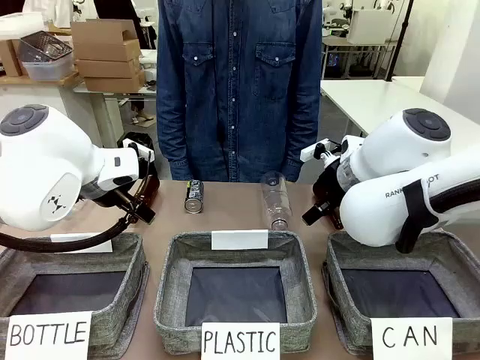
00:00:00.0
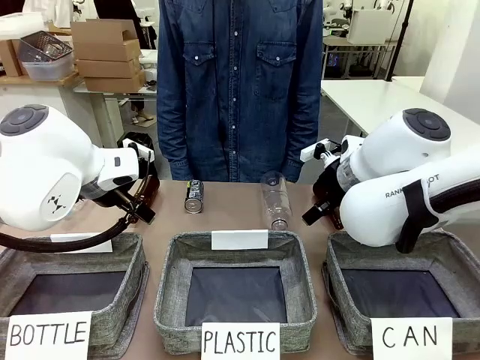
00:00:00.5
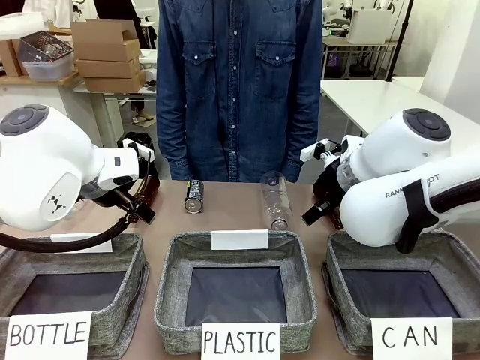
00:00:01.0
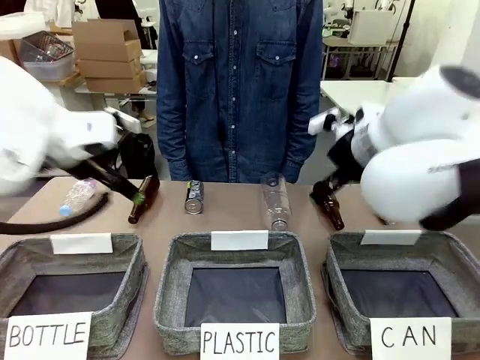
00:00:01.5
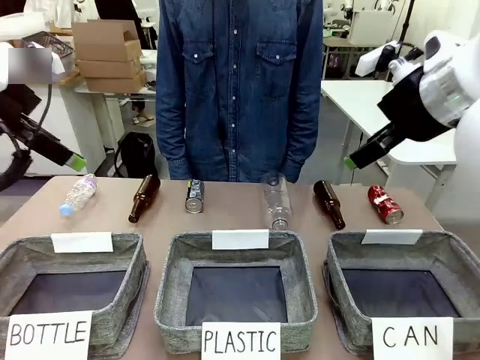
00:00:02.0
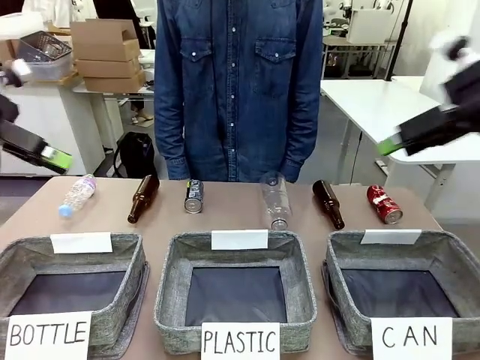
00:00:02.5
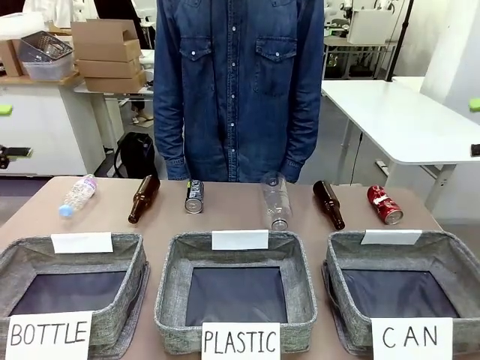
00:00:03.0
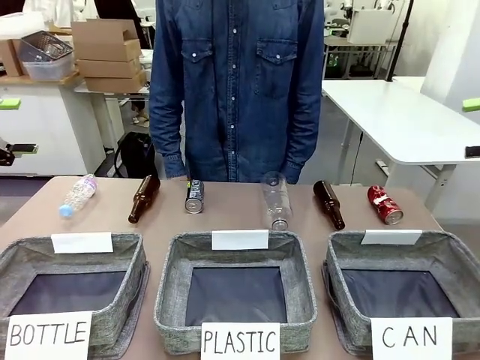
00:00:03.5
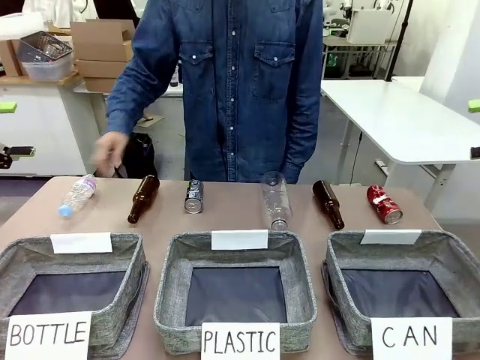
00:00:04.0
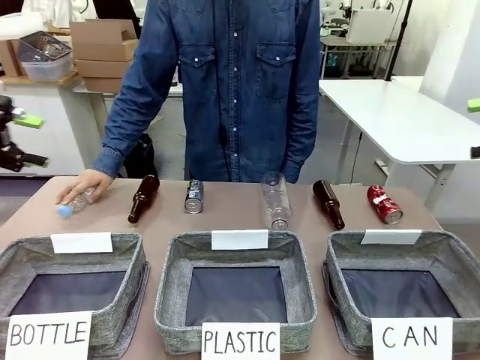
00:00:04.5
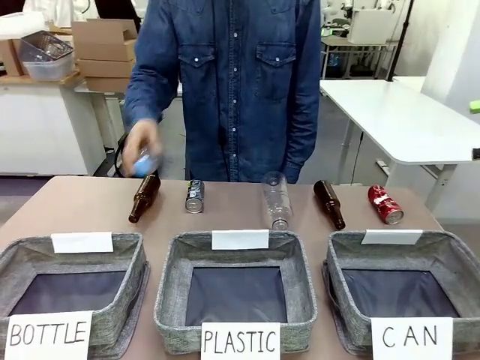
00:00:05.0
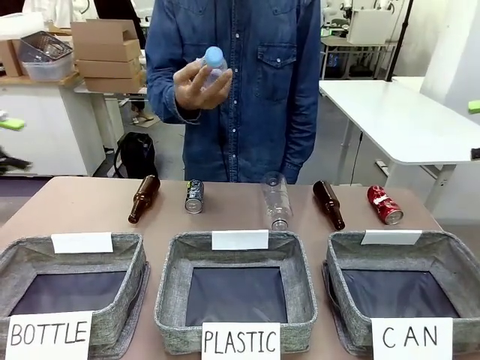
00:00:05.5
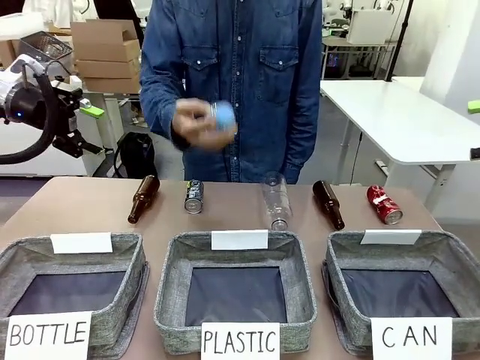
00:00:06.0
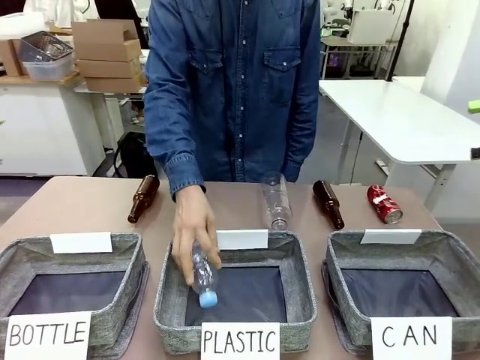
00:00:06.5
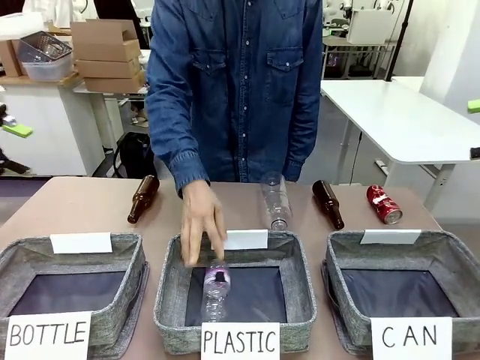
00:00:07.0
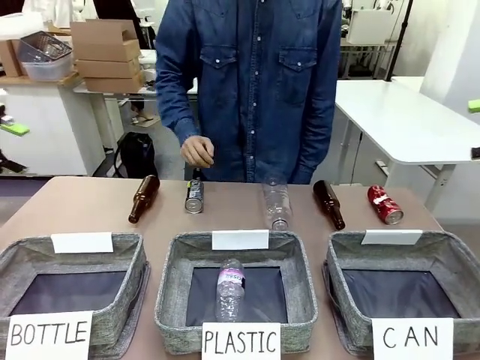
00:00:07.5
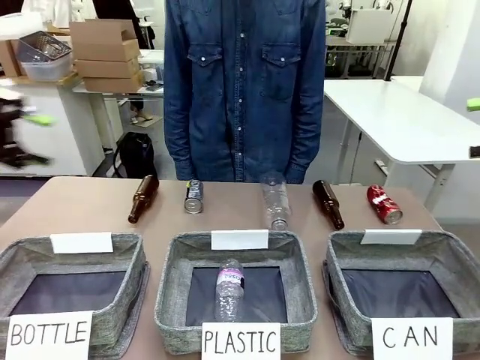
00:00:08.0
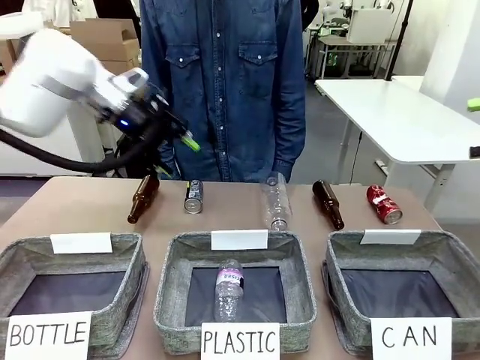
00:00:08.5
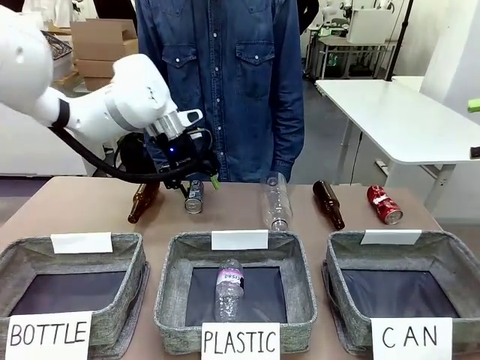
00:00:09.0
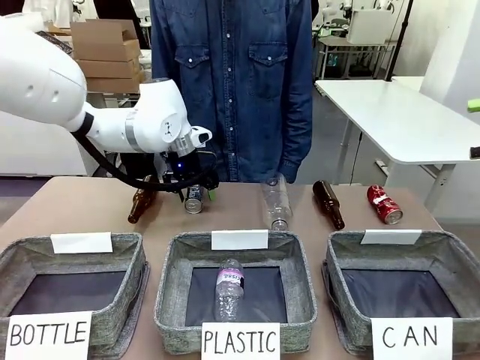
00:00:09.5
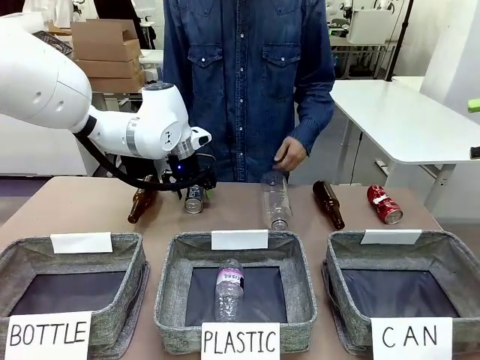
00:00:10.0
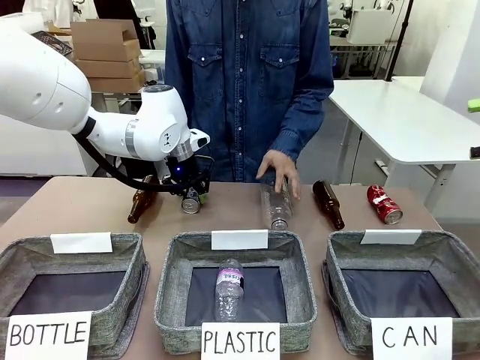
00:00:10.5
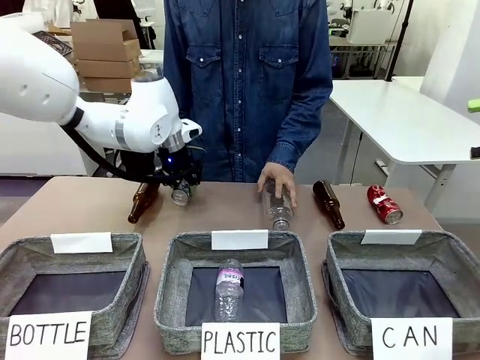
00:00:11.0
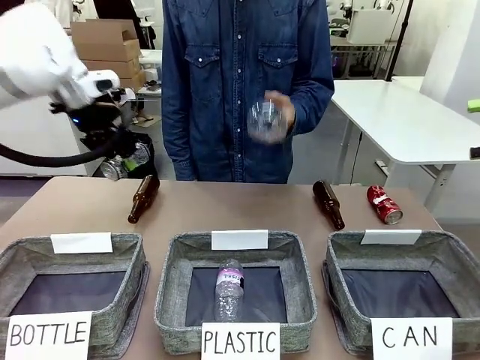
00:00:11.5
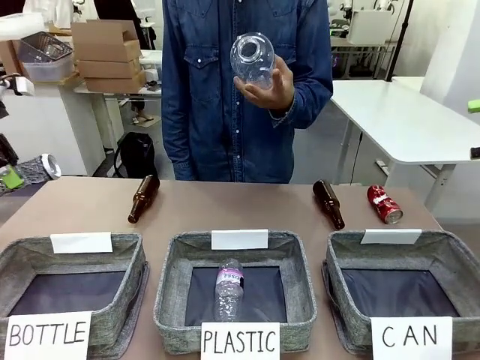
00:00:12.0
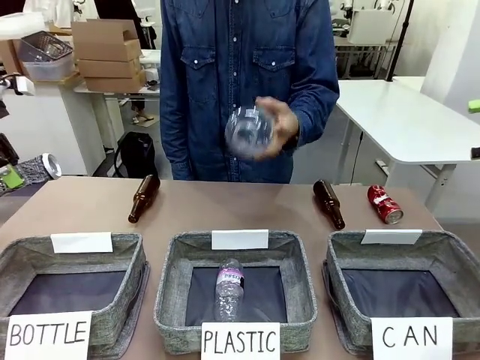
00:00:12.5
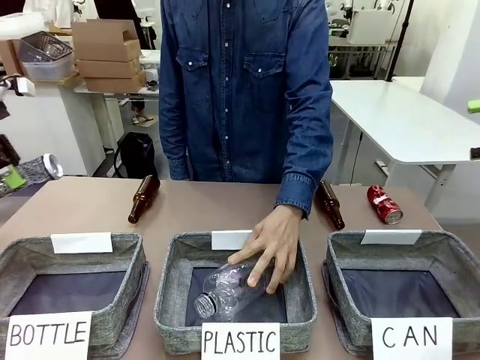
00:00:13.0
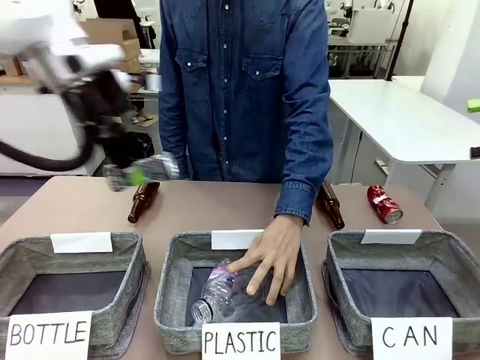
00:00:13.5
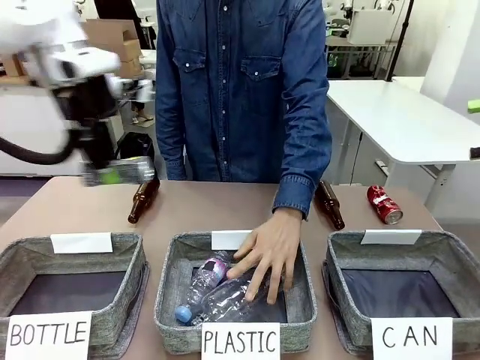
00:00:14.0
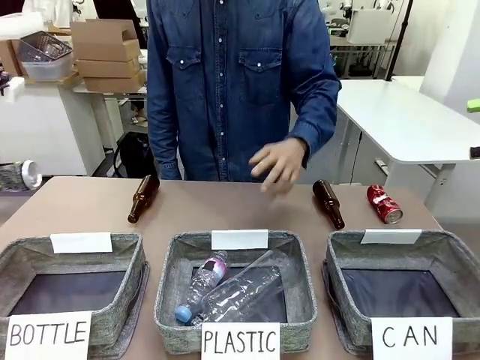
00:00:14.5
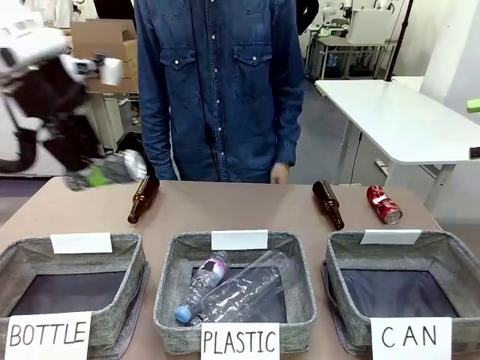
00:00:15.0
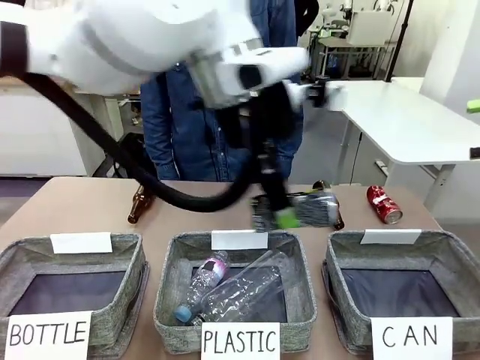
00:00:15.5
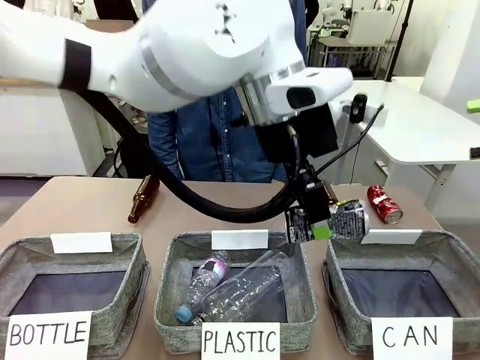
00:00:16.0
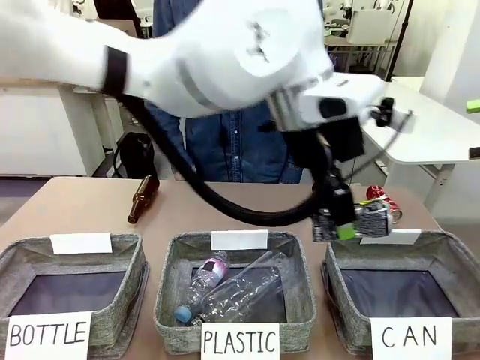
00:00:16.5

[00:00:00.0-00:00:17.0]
Task: Sort the can waste into the basket.
Robot: Pick up the can waste from the table and place it in the right Fabric basket.

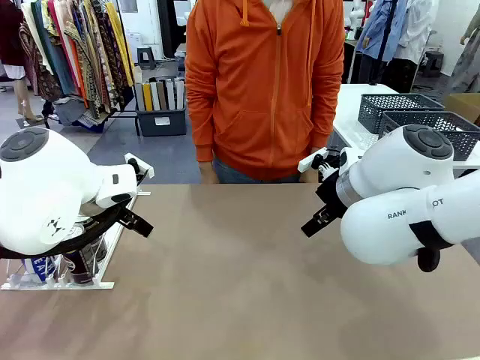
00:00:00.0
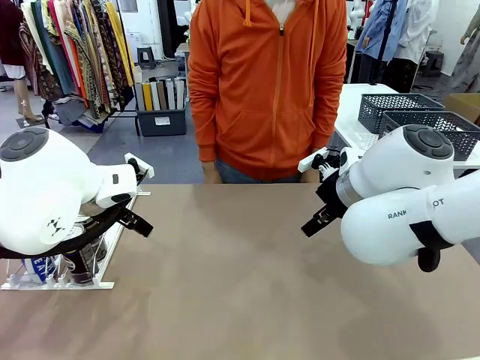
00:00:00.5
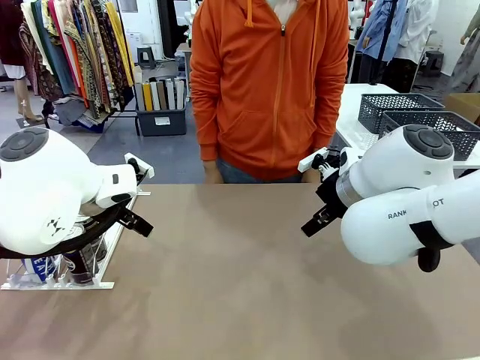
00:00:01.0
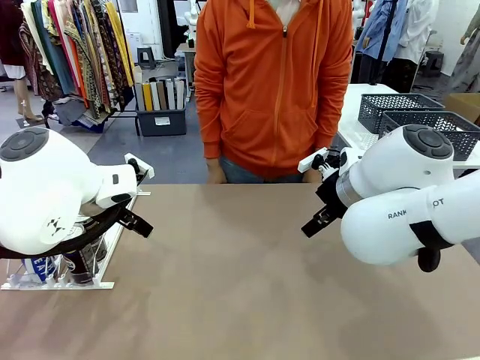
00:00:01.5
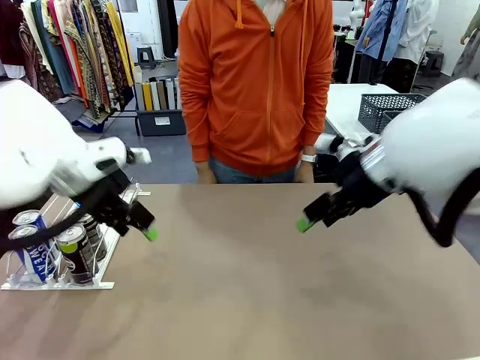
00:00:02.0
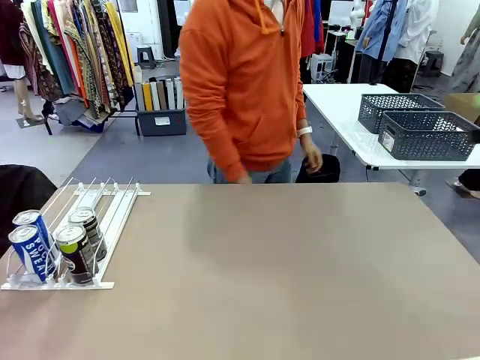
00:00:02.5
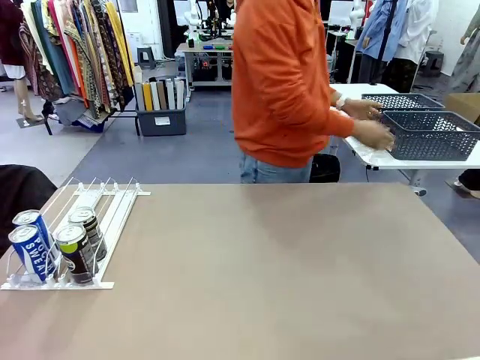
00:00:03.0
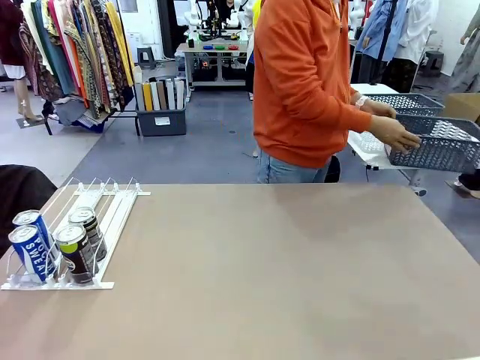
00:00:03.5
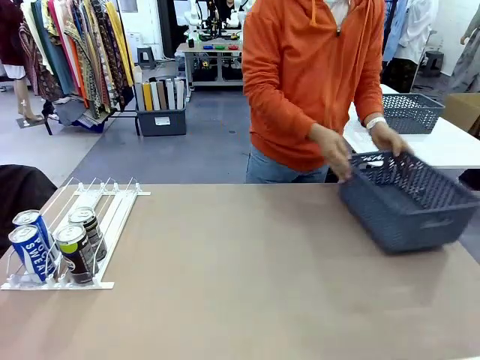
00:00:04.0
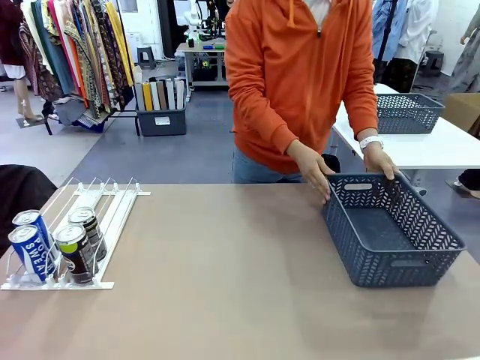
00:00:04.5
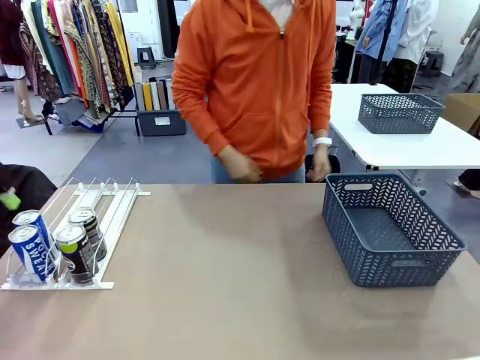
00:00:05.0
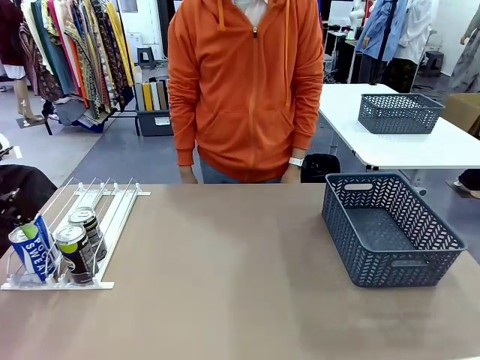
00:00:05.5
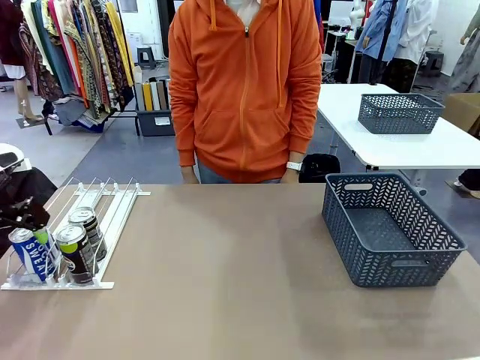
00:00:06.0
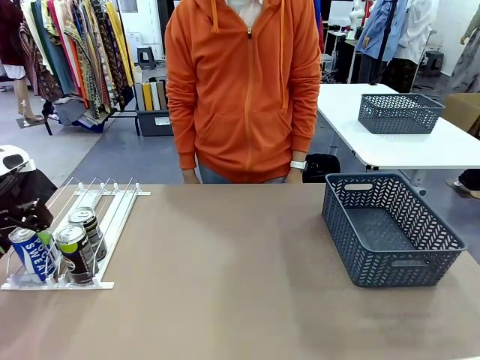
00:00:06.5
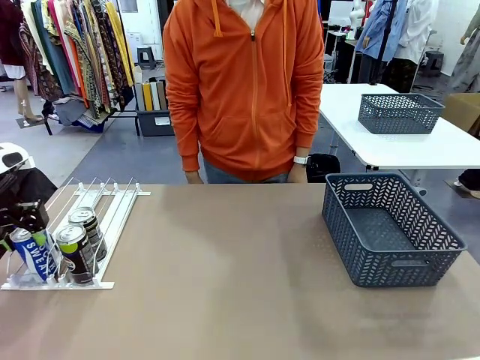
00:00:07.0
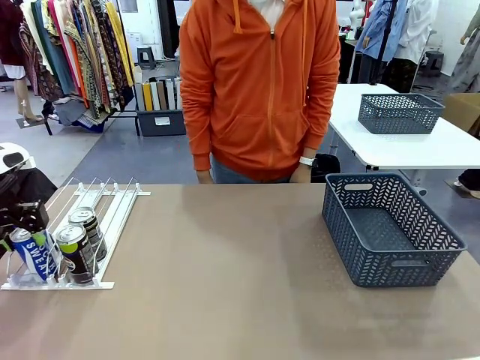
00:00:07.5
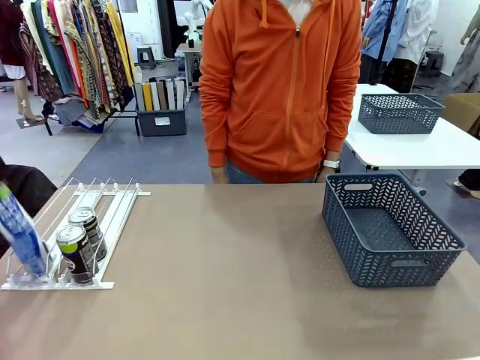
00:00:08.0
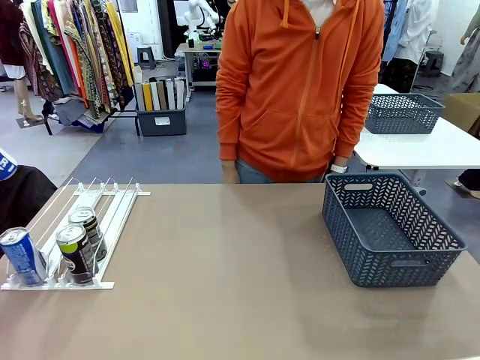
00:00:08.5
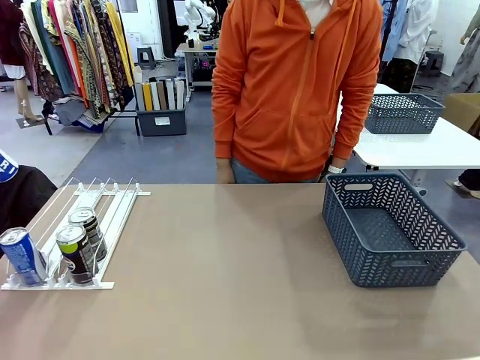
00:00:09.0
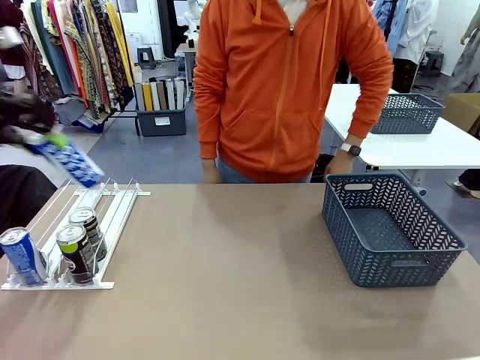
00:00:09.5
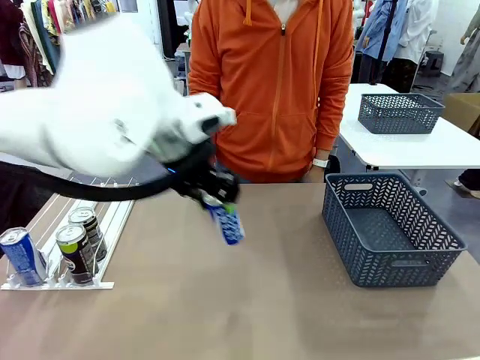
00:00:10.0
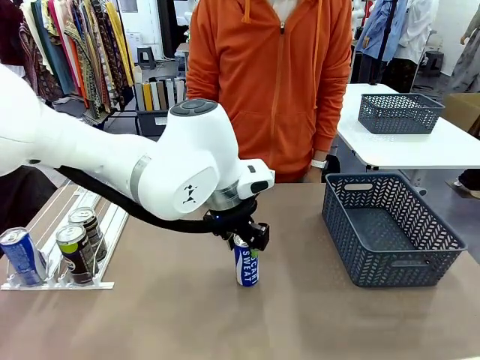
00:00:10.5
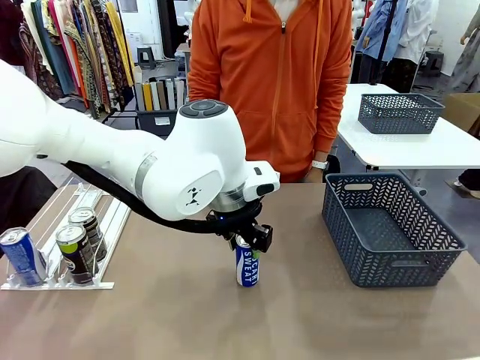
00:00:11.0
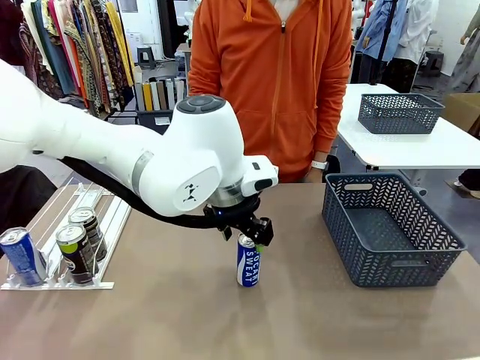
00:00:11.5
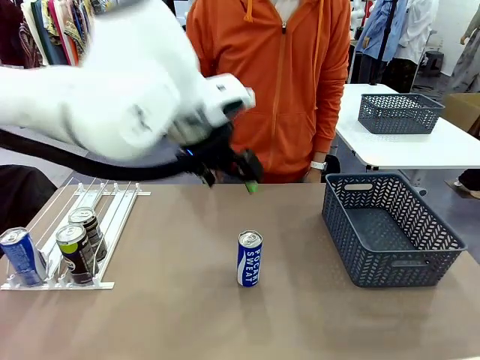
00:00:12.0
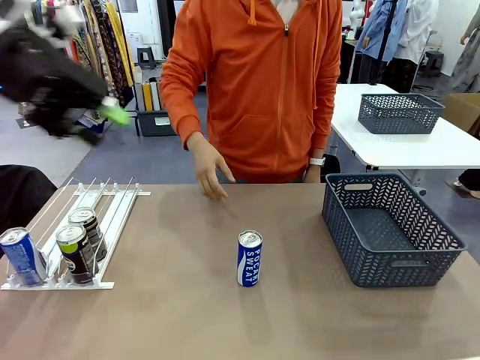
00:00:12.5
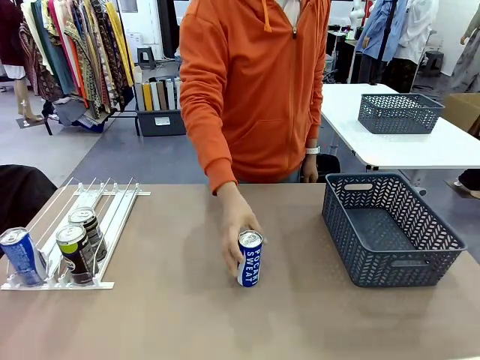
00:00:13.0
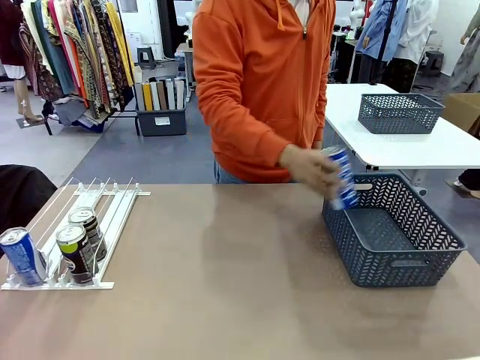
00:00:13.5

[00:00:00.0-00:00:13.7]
Task: Retrieve and store the cans from the dispenser.
Robot: Pick up one can from the Automatic Can Dispenser and place it in the middle of the table.
Person: Pick up the basket and place it on the left side of the robot table.
